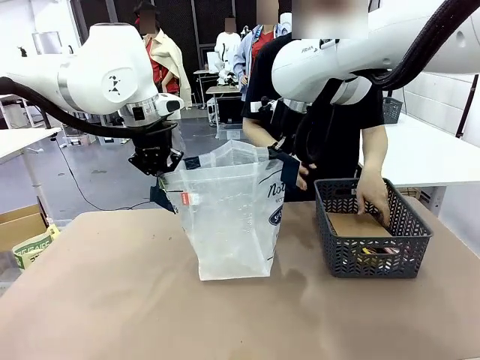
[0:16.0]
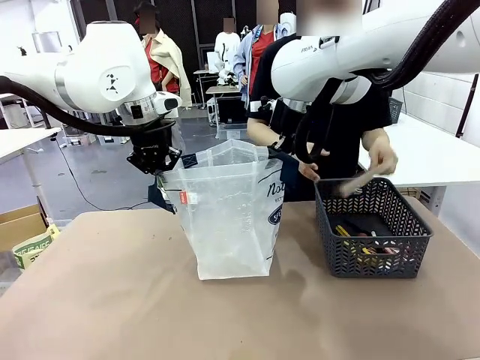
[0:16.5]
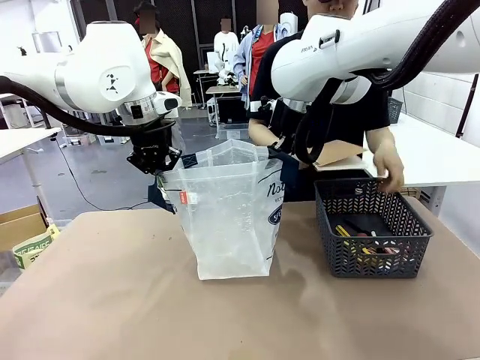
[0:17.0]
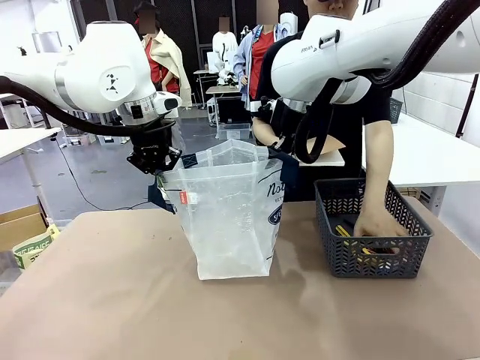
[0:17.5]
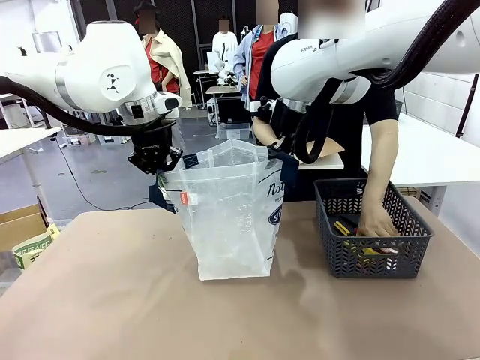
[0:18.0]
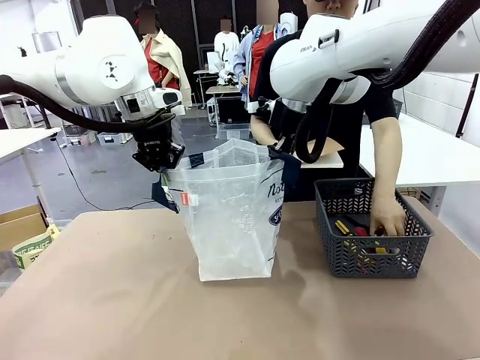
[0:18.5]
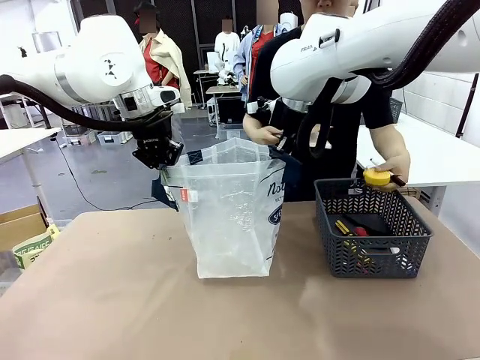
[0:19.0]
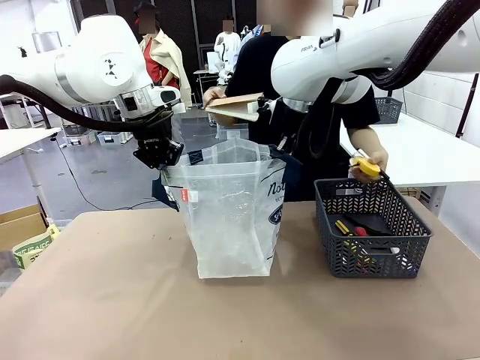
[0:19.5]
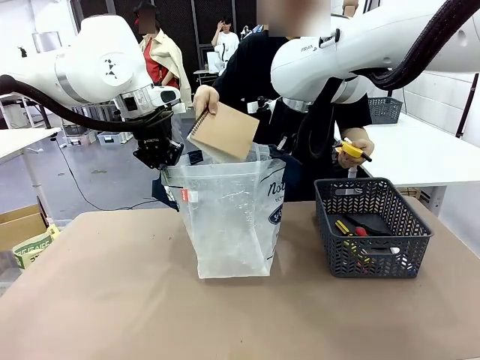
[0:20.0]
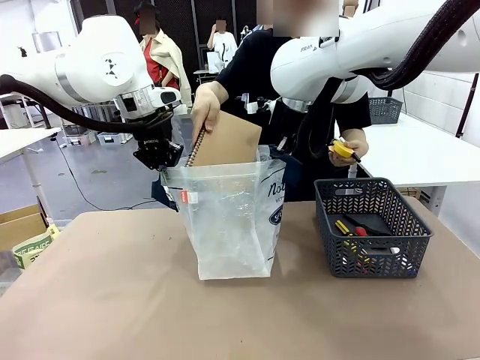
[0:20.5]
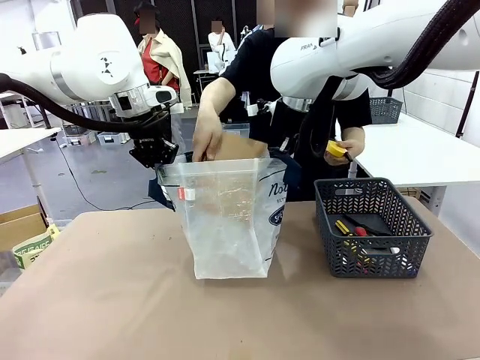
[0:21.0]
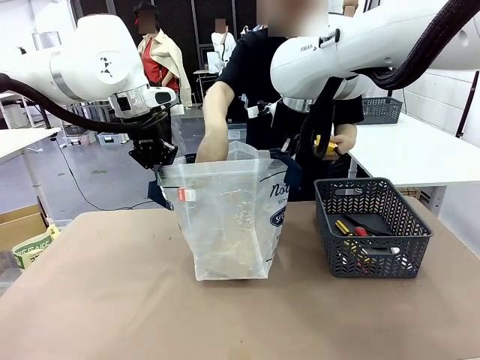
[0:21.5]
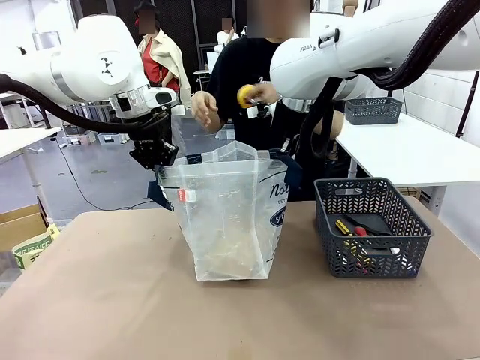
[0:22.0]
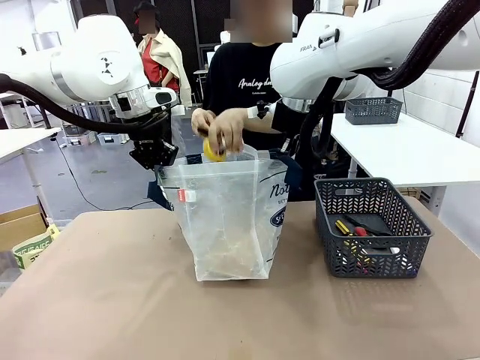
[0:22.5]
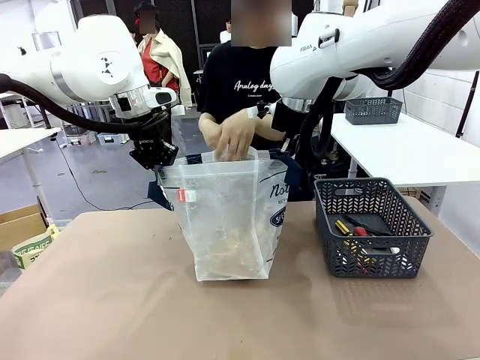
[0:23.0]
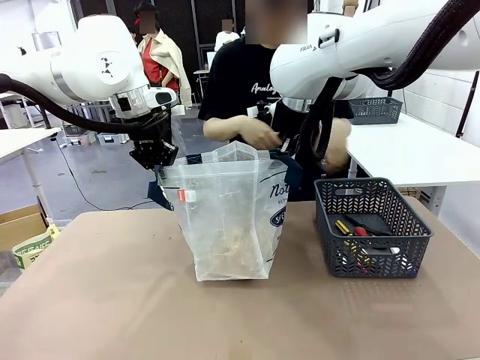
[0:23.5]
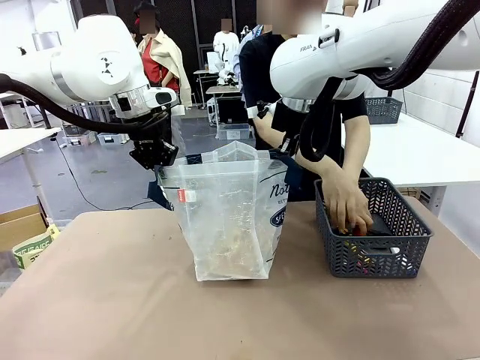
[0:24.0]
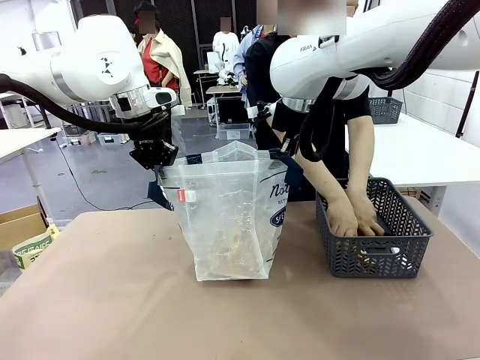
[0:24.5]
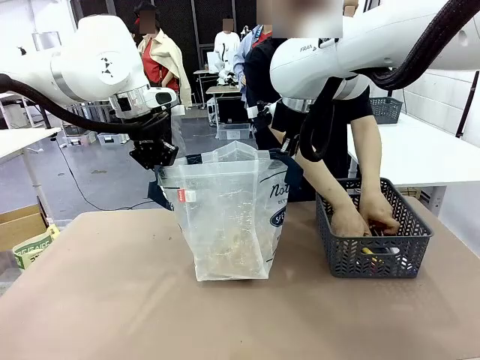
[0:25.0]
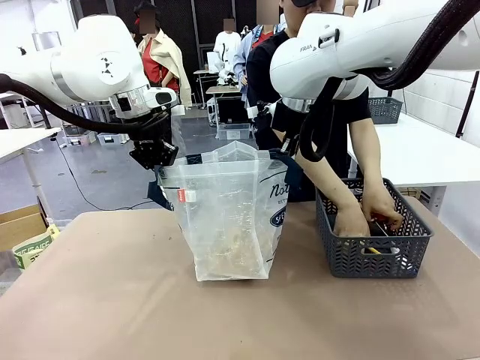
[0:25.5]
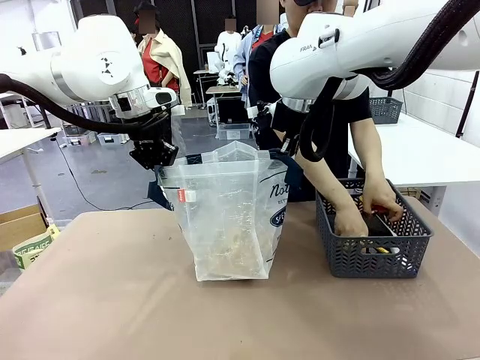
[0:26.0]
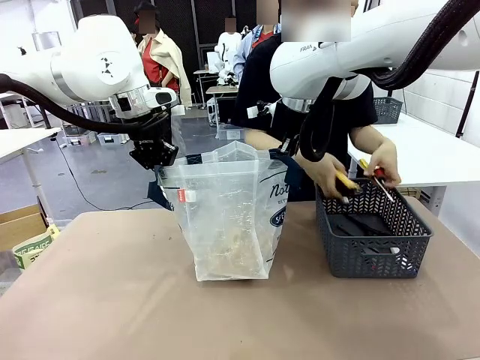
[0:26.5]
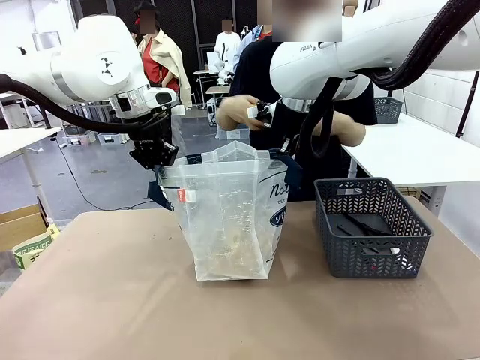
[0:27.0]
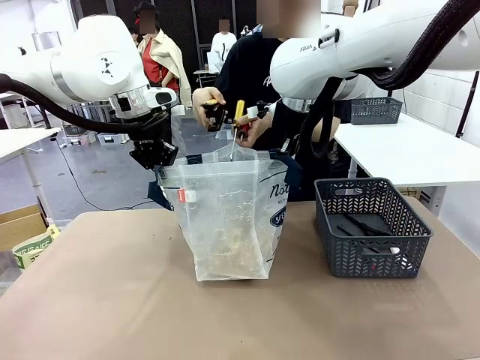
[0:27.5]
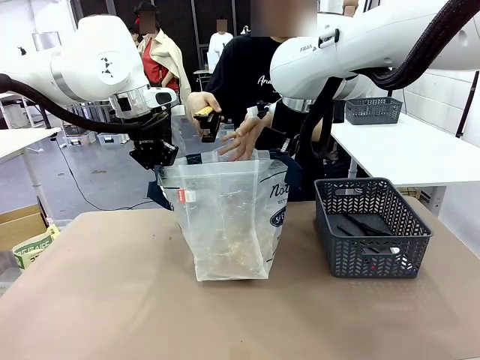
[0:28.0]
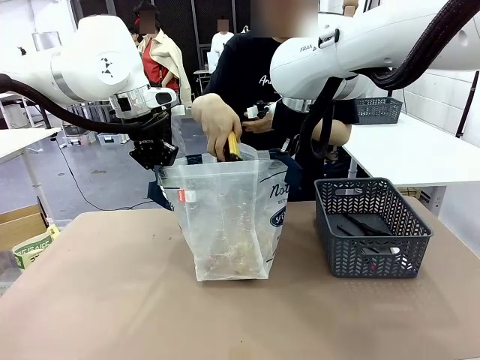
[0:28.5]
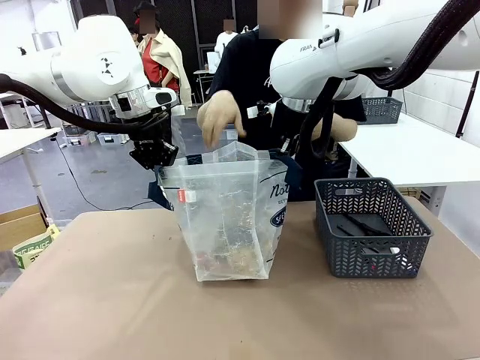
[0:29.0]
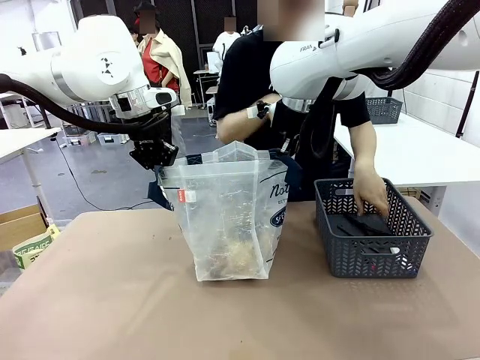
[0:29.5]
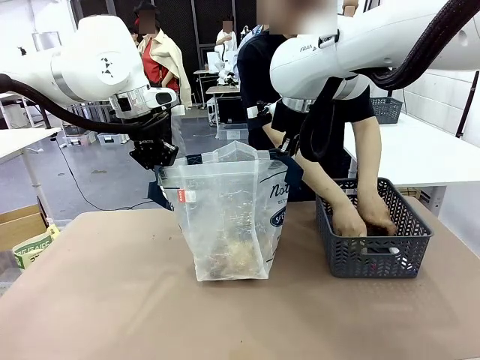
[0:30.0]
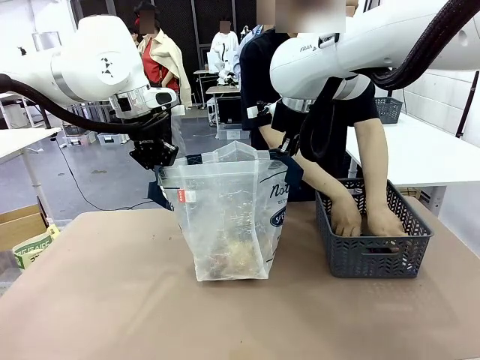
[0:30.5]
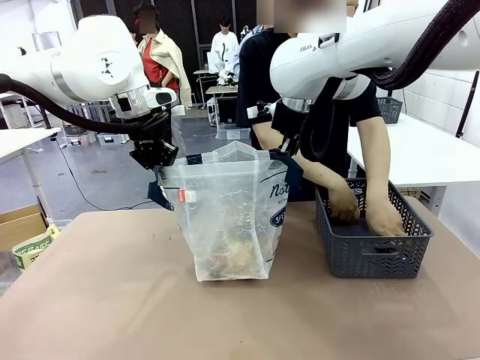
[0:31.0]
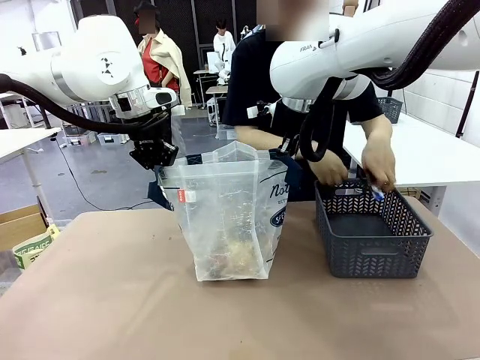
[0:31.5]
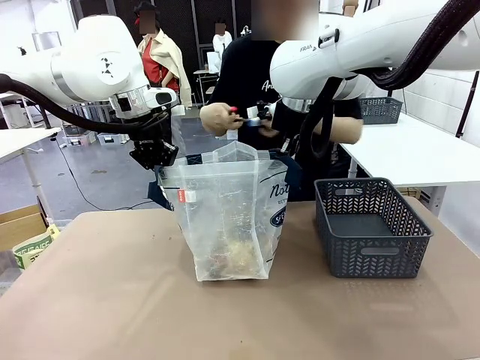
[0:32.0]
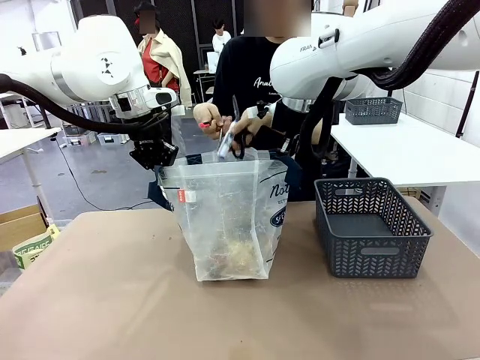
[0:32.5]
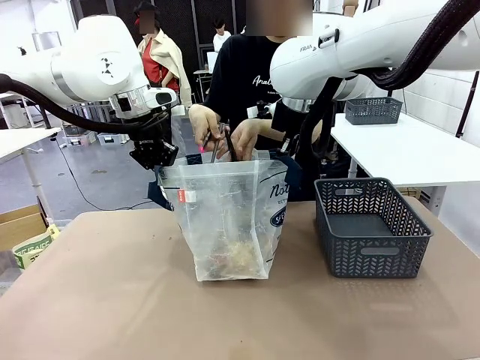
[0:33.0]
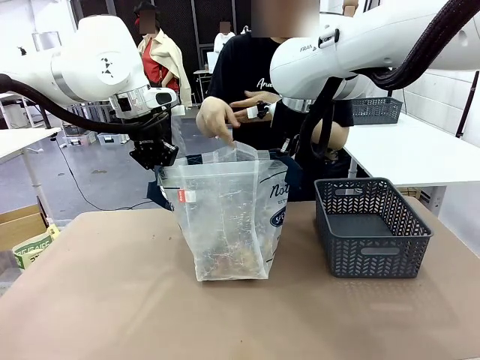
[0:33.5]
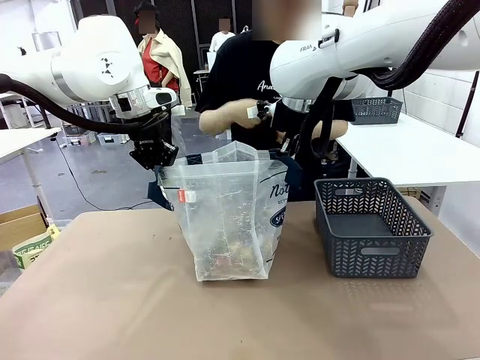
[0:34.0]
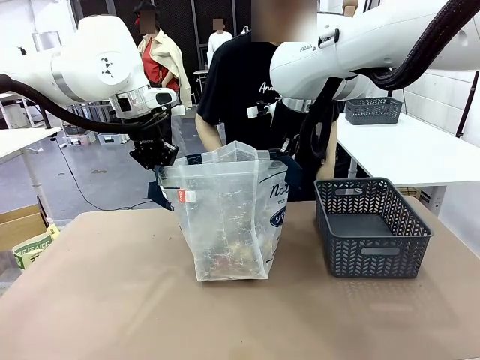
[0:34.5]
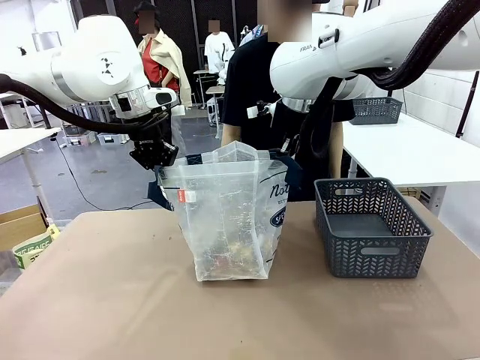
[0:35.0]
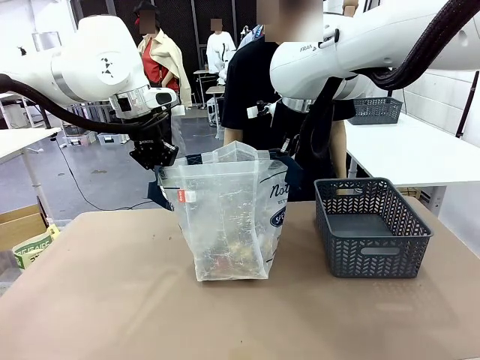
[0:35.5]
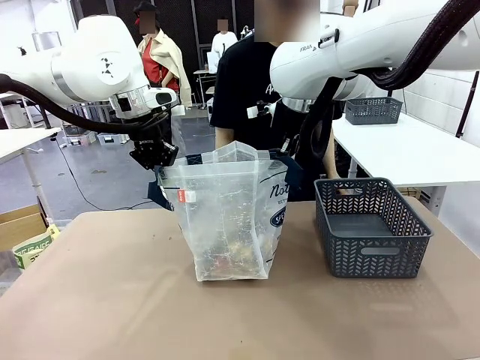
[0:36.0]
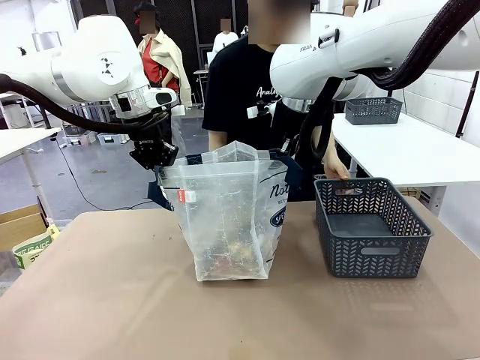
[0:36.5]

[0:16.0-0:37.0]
Task: Transfer purchased items from the store into the shopping bag.
Robot: Move the Reusable shopping bag to the right side of the table.
Person: Pick up the basket on the right, place it on the left side of the robot table, and move the items in the basket to the shopping bag.
